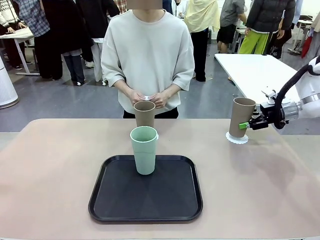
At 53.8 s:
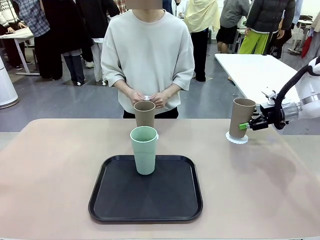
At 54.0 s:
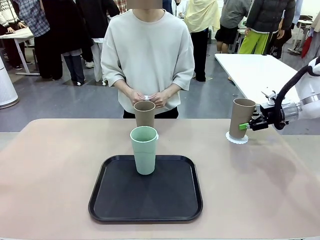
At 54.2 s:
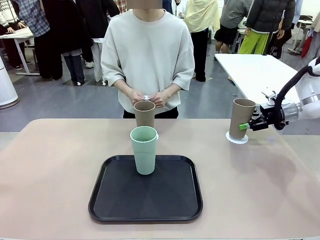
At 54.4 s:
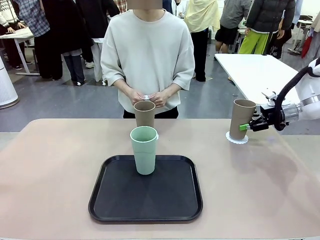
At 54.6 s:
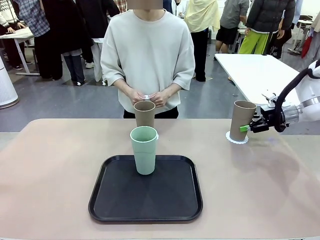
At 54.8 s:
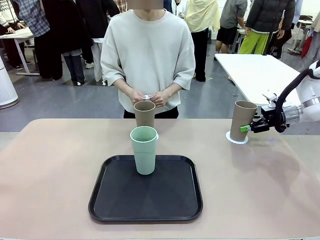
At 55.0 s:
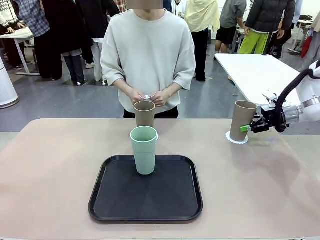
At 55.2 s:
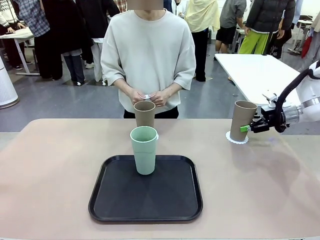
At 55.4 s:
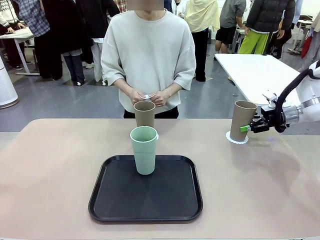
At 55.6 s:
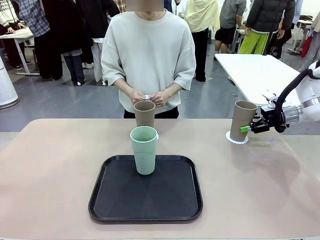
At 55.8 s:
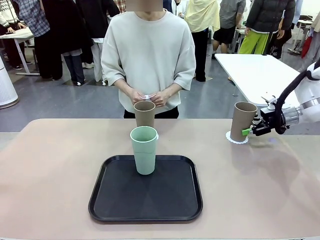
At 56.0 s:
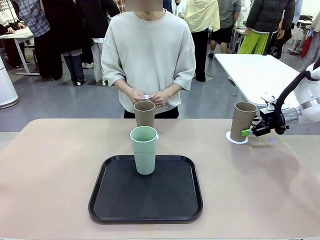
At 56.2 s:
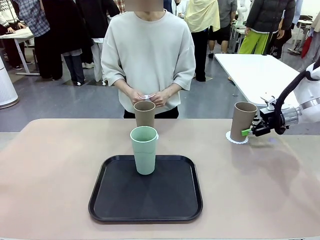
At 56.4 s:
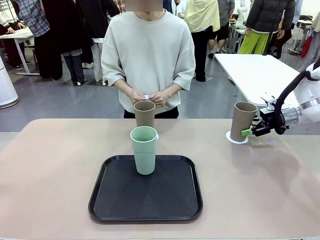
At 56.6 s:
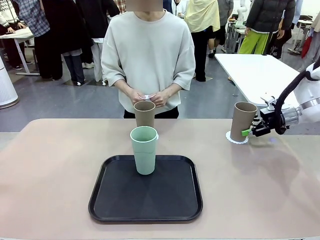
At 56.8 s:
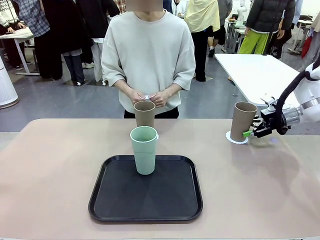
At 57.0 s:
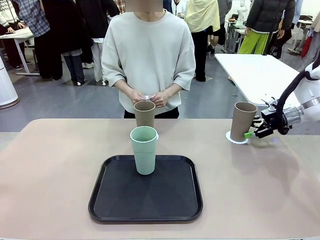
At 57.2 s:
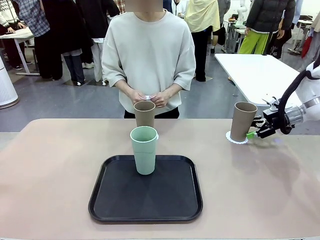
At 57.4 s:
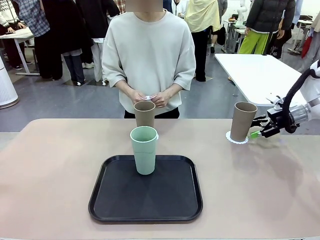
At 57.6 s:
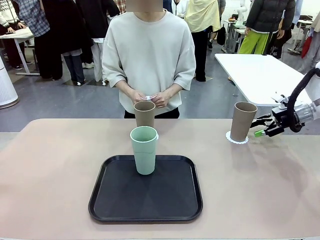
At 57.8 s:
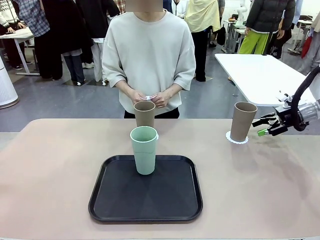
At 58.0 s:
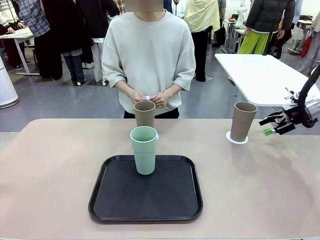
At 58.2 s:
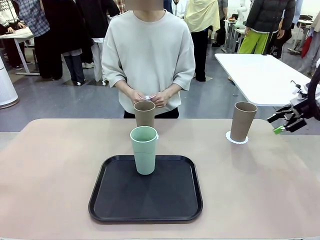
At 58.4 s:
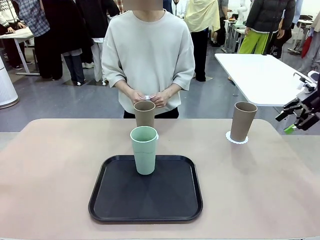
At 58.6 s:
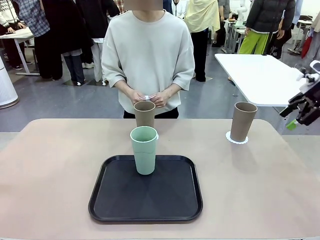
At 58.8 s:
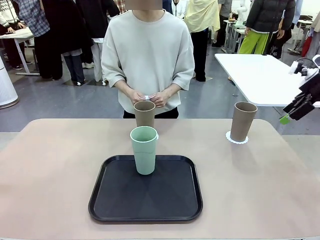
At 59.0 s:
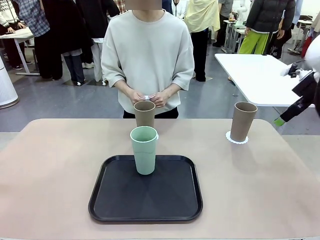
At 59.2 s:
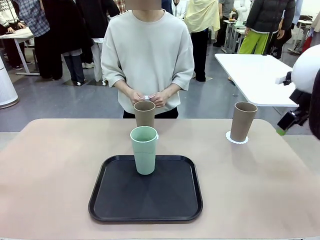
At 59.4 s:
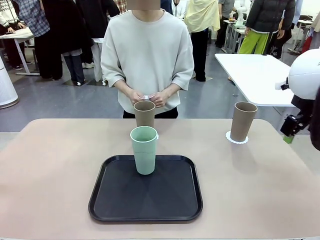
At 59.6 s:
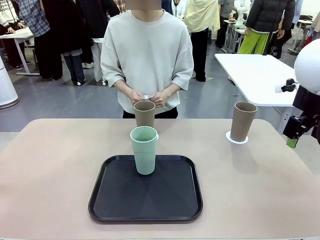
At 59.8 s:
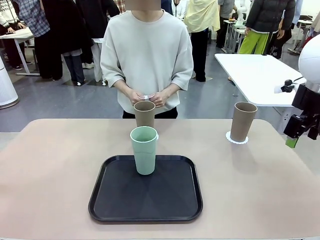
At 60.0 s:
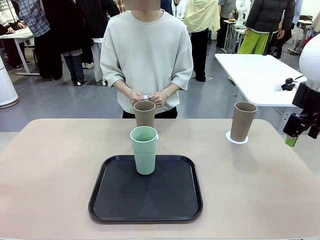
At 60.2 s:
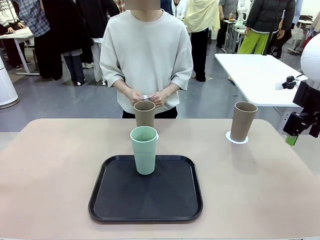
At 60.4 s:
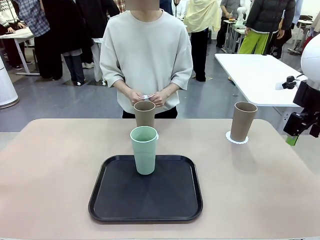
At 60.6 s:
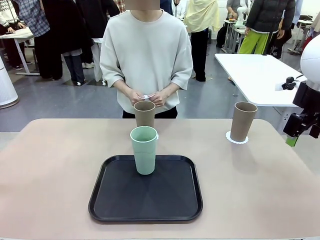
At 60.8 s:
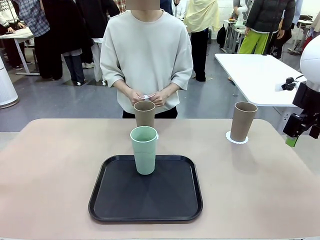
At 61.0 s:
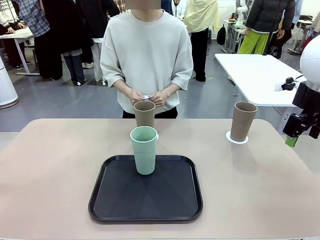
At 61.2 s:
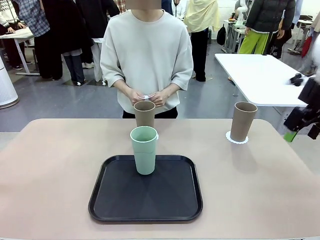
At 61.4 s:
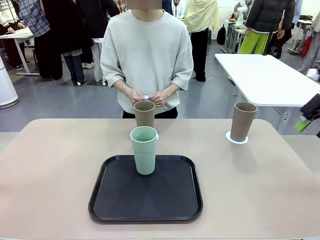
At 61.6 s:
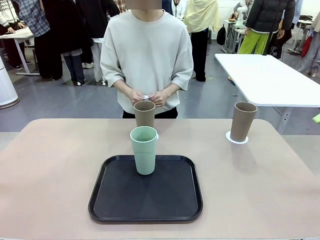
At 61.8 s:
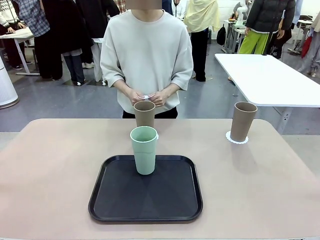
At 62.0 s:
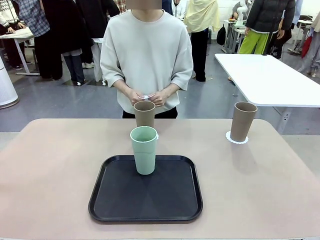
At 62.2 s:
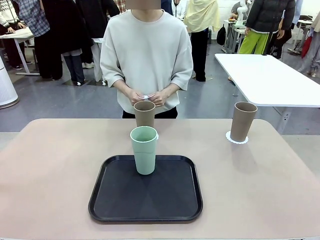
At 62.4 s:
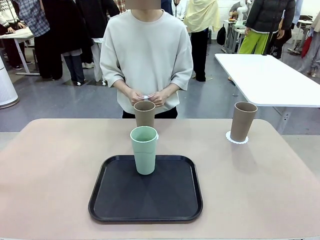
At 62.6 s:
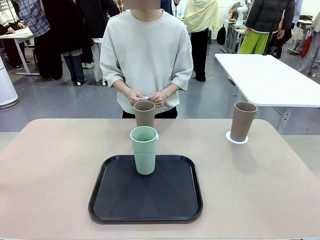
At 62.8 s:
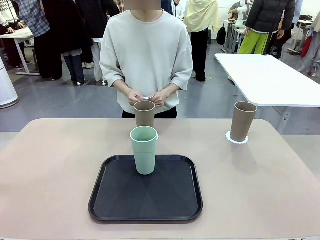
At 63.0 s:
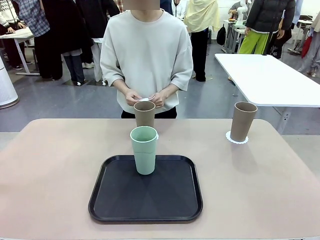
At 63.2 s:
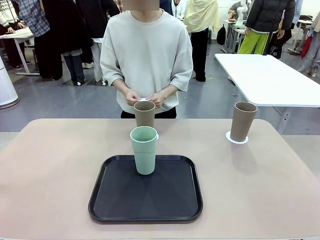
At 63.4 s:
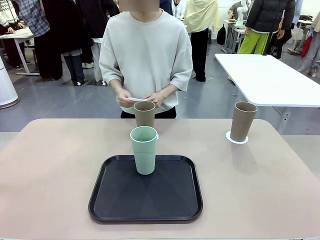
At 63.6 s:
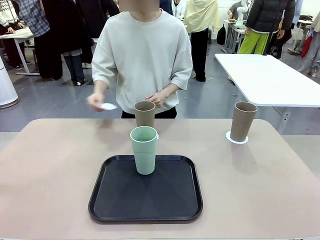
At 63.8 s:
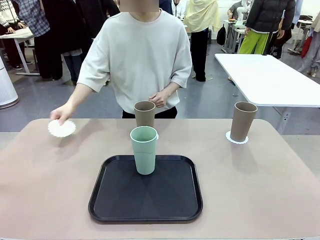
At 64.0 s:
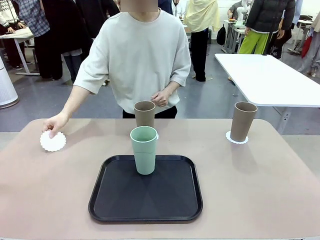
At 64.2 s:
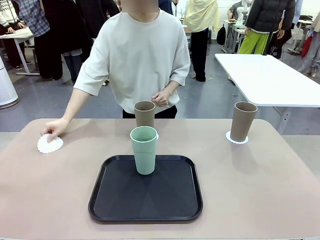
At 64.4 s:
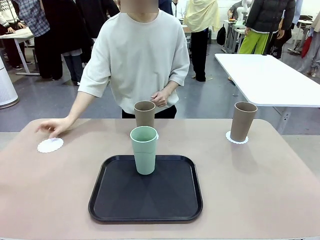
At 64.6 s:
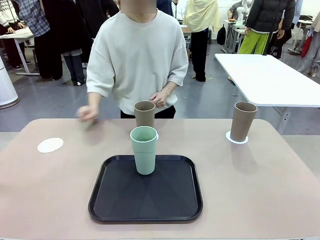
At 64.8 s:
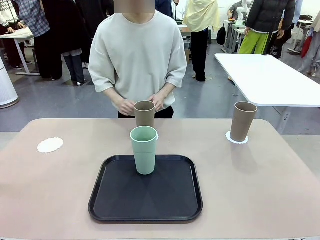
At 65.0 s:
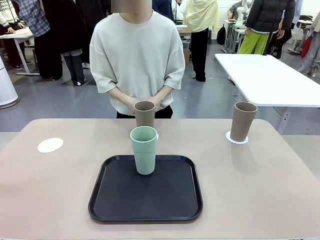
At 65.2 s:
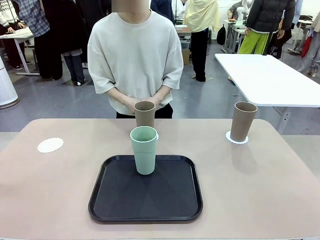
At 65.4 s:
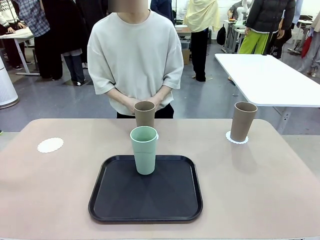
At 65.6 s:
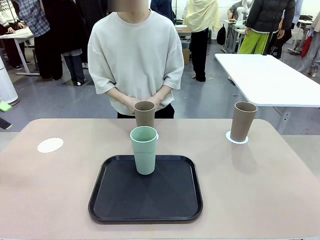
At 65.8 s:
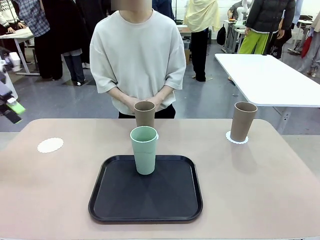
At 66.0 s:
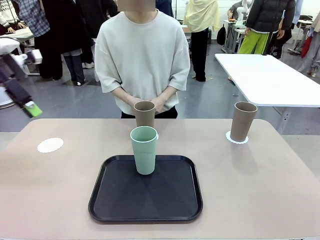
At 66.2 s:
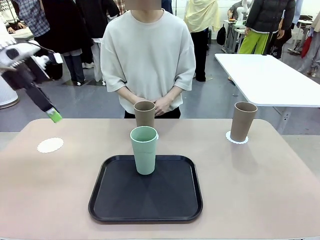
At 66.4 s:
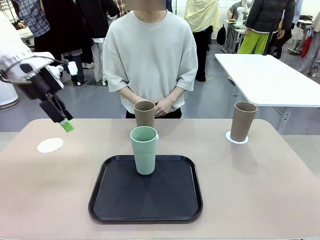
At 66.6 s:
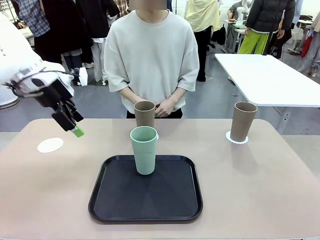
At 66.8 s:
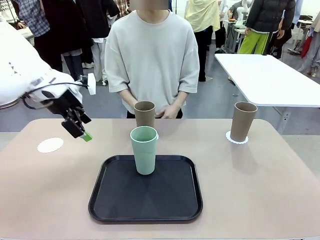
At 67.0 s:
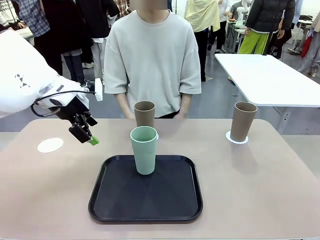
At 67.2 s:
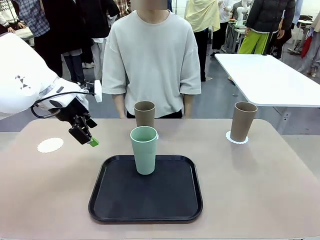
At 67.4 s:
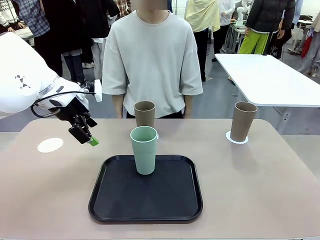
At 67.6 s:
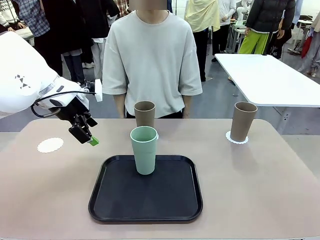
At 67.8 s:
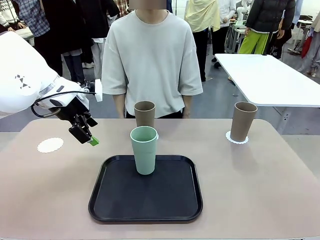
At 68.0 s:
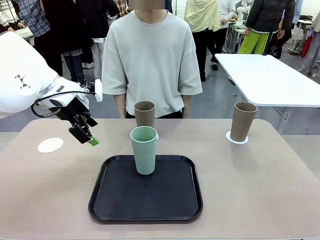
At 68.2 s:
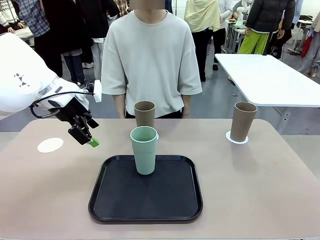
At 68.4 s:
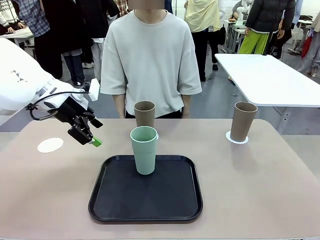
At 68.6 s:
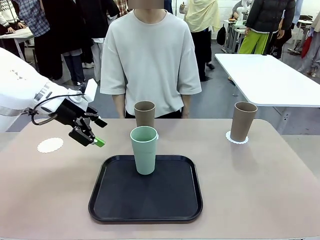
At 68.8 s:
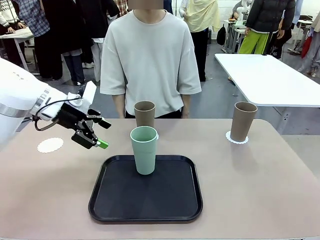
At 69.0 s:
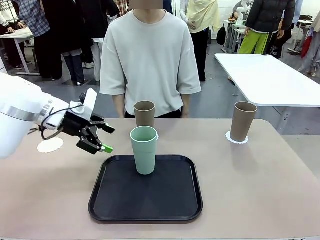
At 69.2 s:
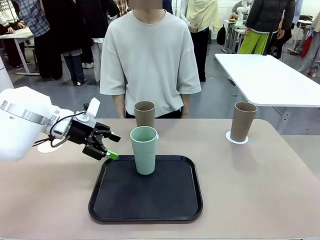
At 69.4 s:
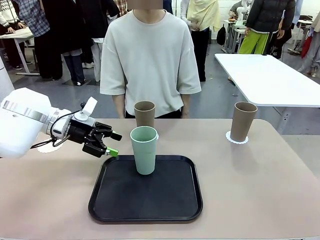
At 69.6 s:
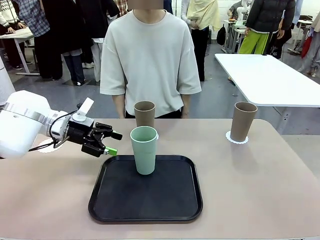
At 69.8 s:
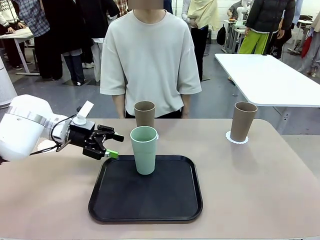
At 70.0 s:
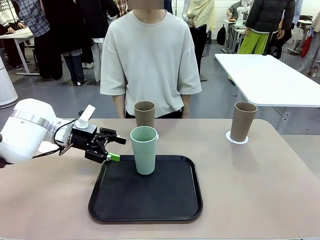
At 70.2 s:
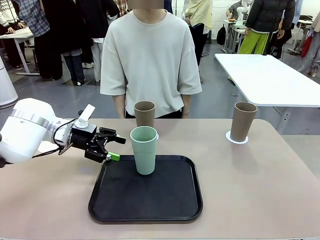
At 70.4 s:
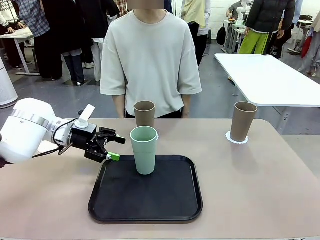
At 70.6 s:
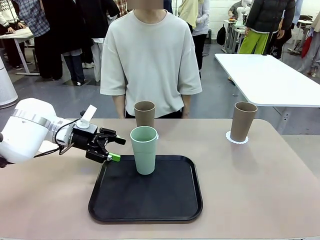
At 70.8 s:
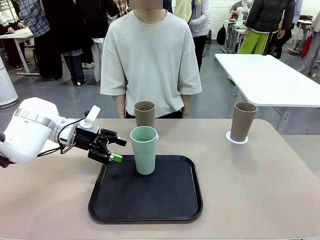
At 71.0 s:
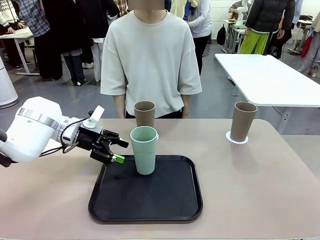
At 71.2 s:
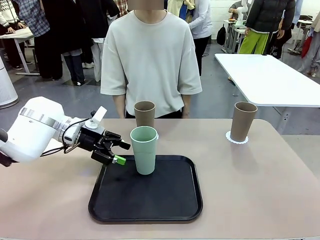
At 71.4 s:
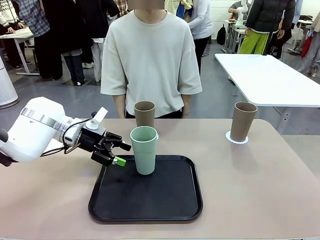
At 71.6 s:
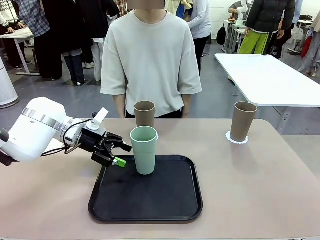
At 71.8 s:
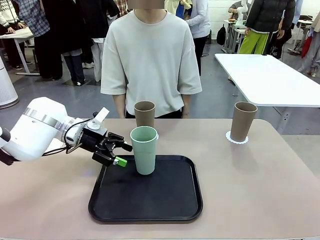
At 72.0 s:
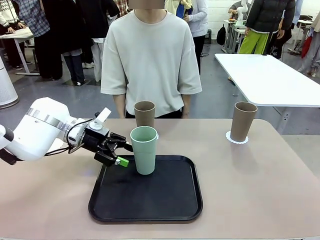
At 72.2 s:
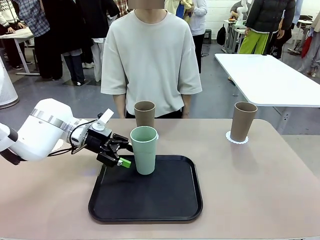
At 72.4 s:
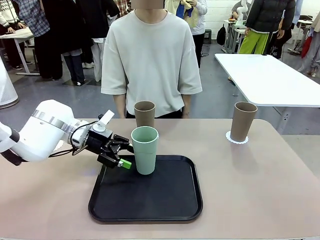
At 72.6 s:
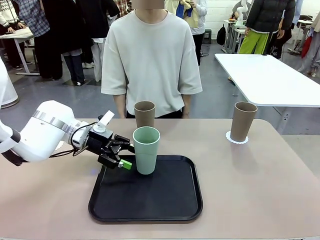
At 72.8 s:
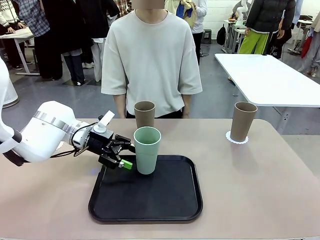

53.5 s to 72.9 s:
Task: Place coasters on the table and set cups on them.
Robot: Take one Reusable plastic cup from the Flat Tray and place it on a coaster set by the human.
